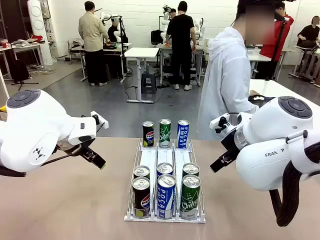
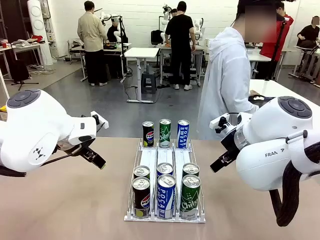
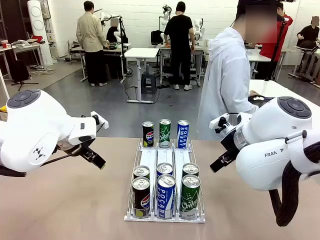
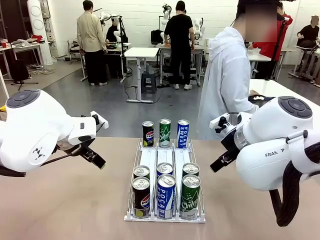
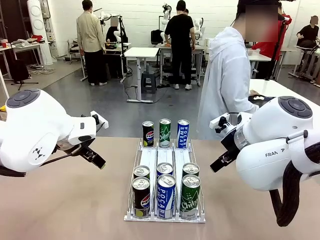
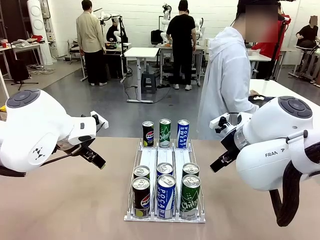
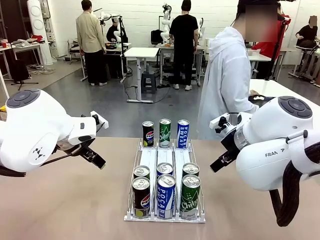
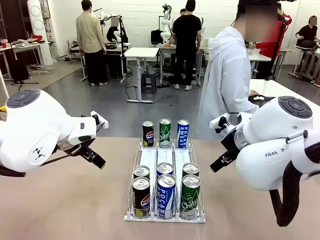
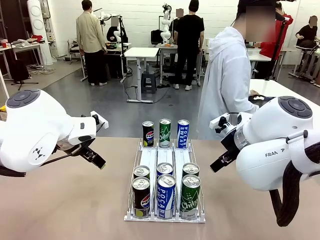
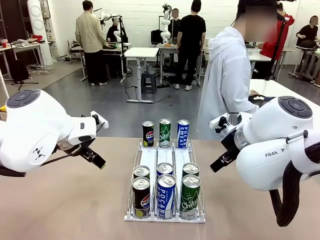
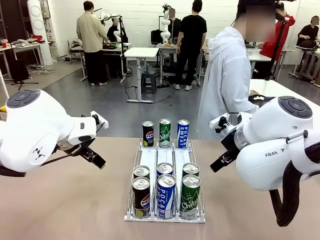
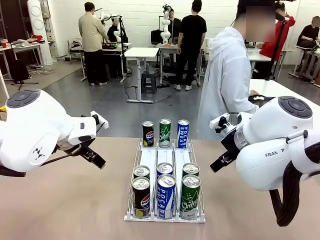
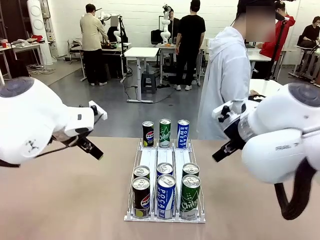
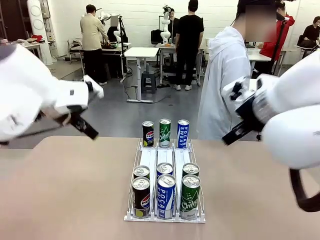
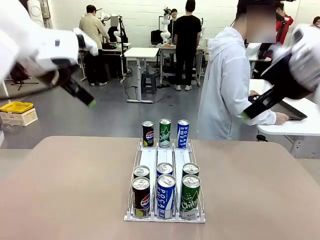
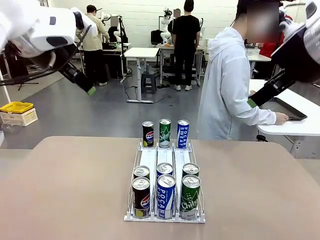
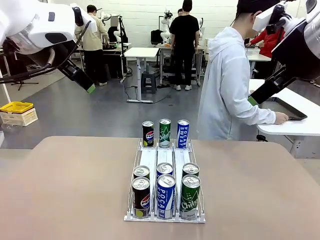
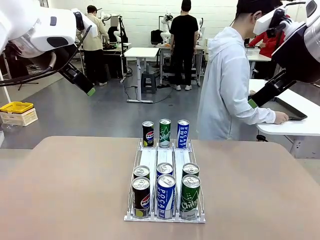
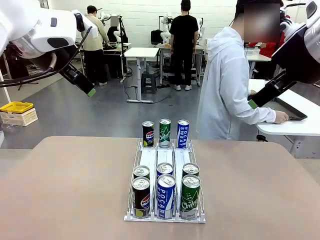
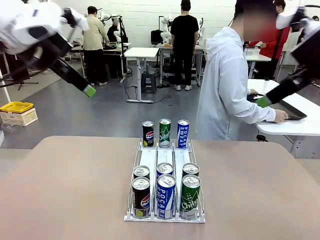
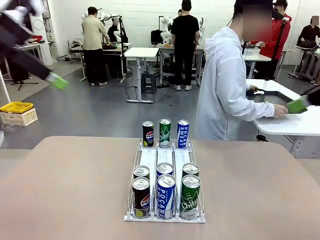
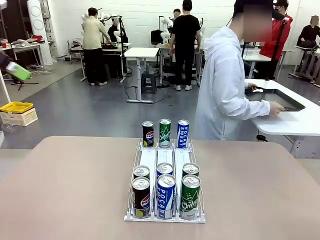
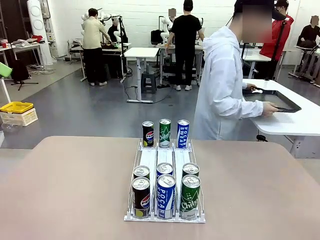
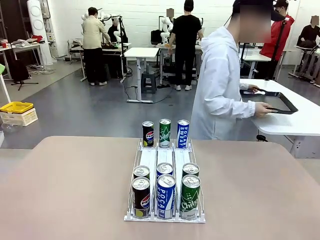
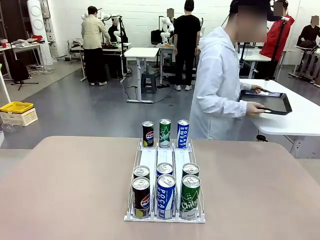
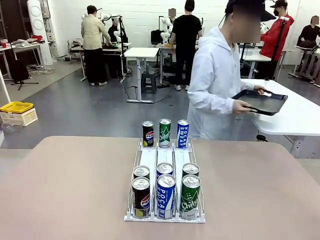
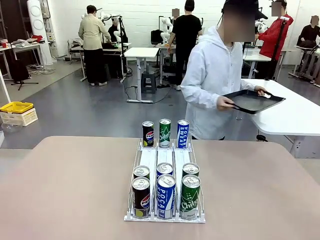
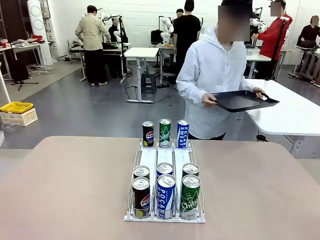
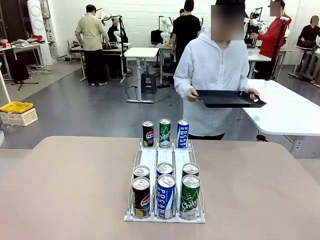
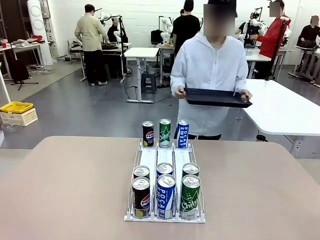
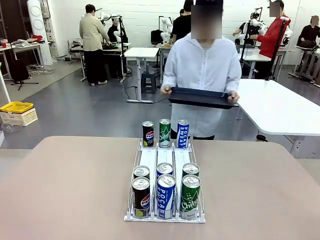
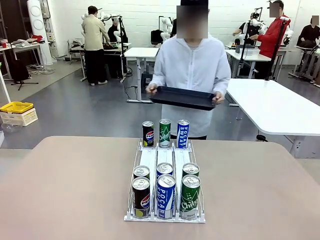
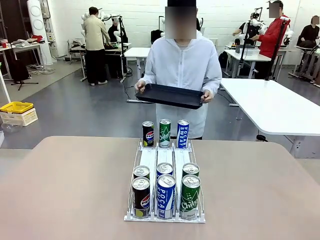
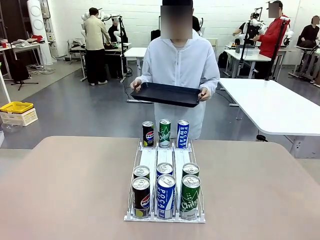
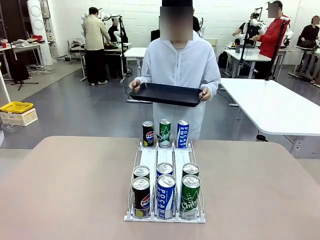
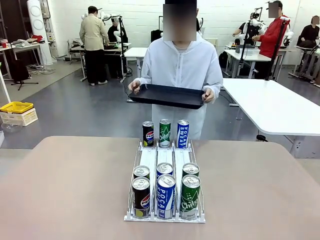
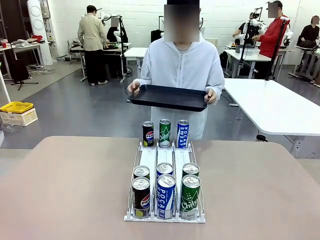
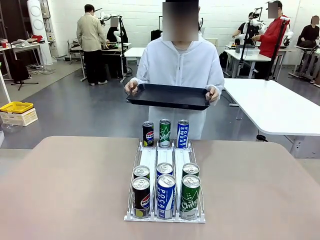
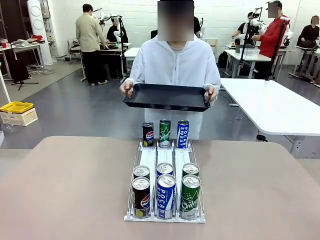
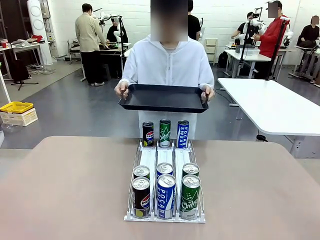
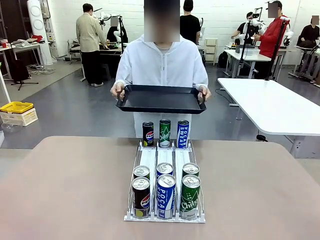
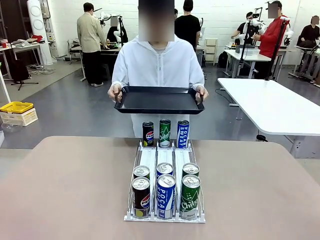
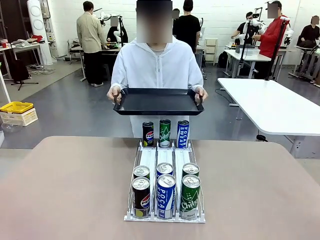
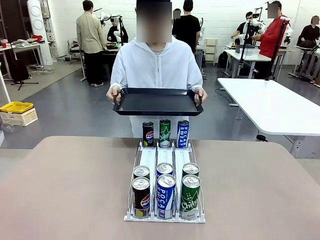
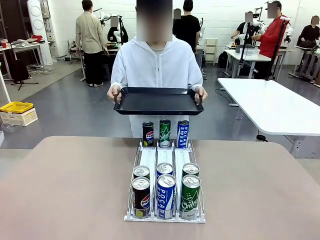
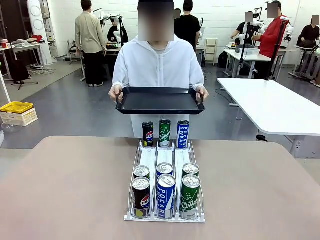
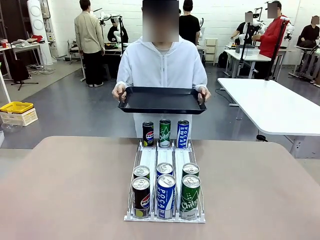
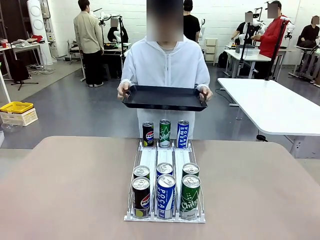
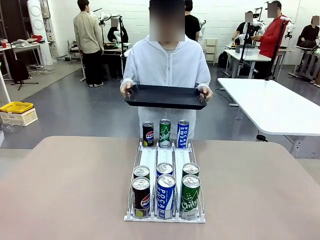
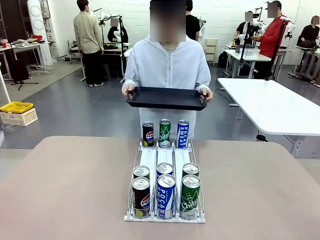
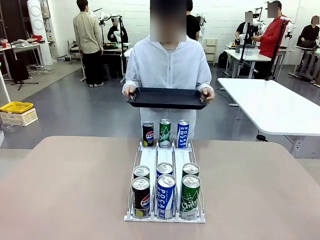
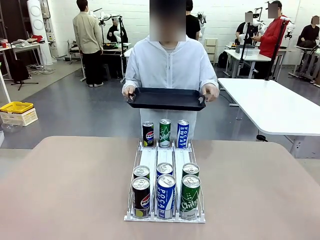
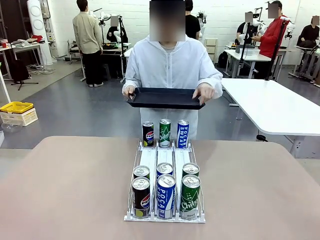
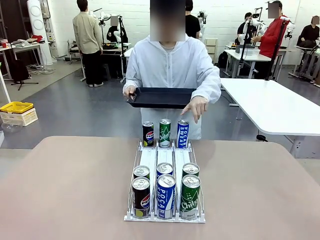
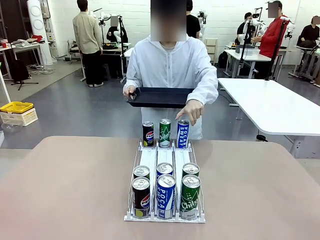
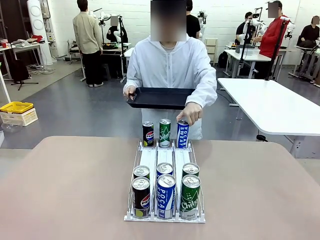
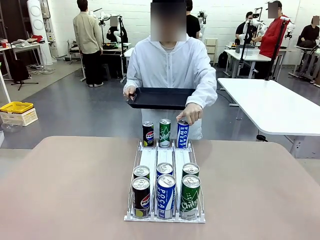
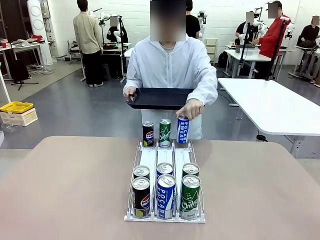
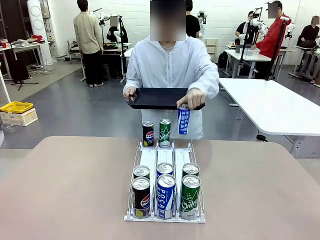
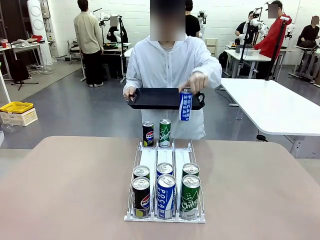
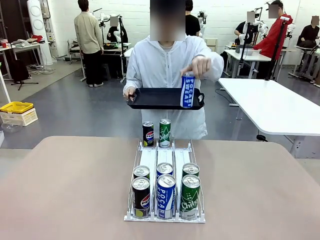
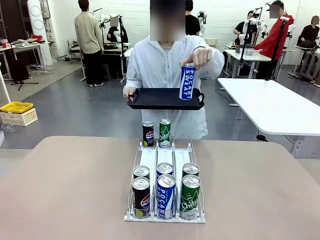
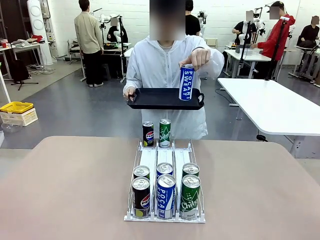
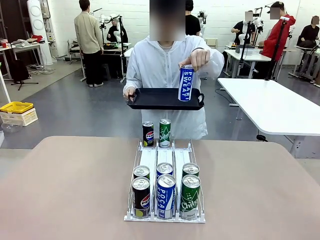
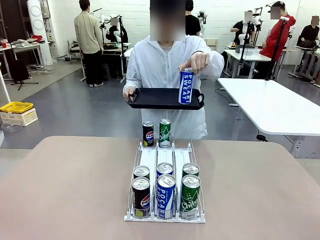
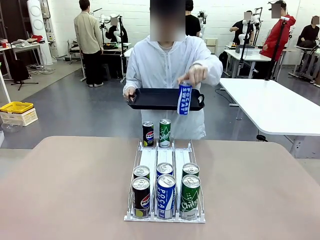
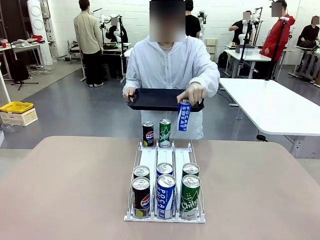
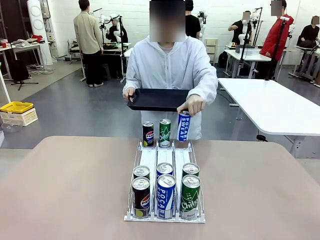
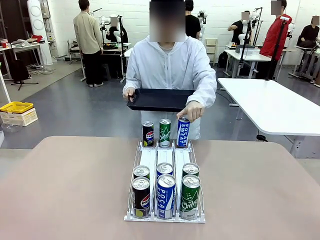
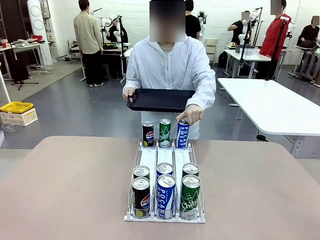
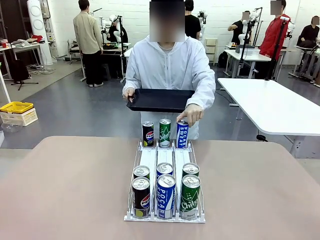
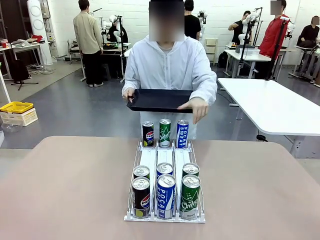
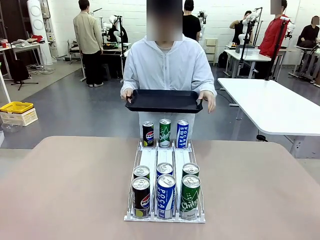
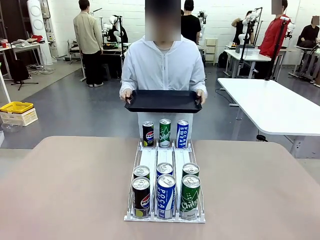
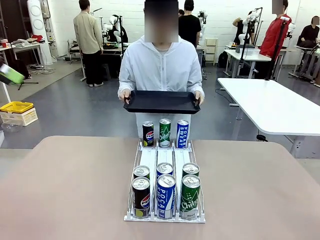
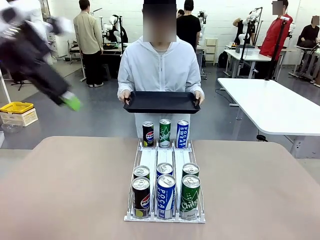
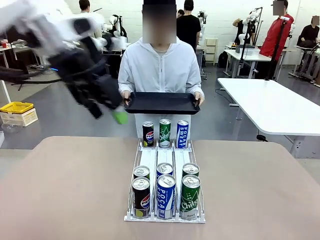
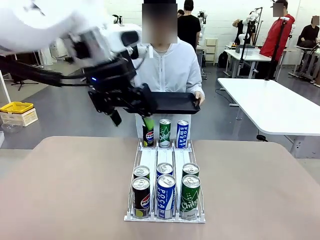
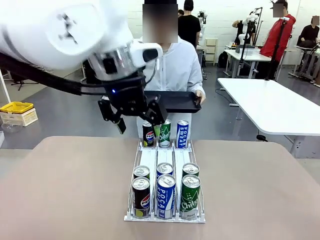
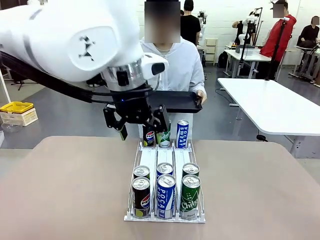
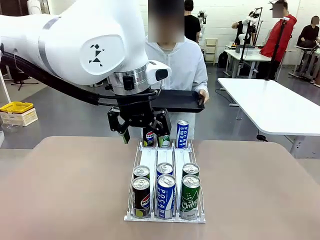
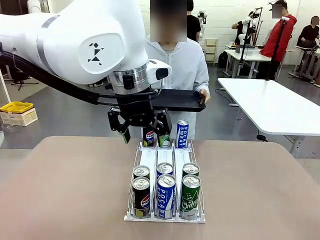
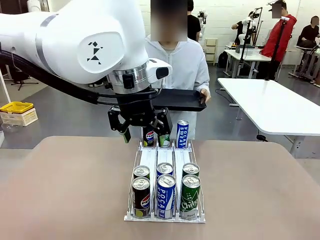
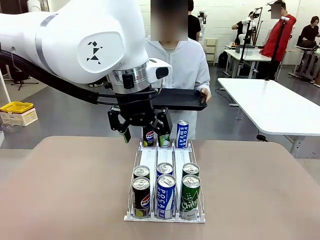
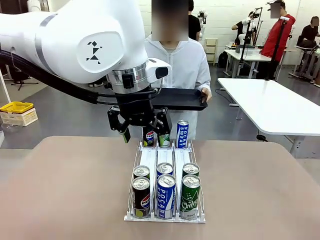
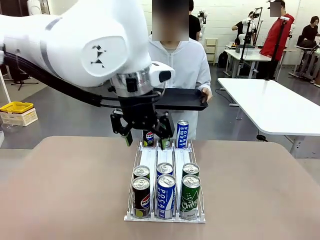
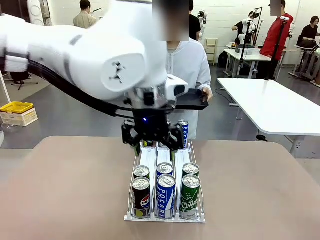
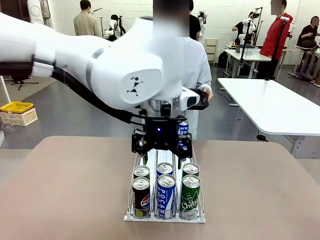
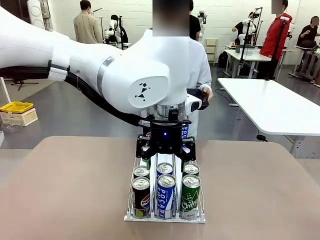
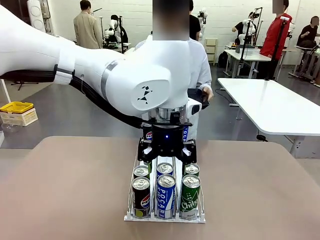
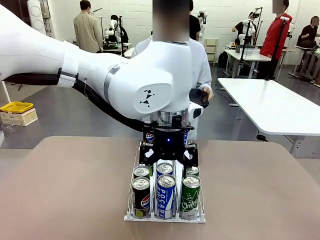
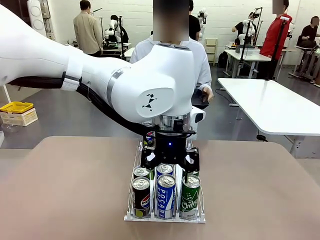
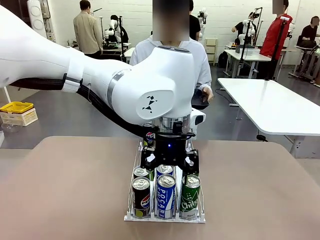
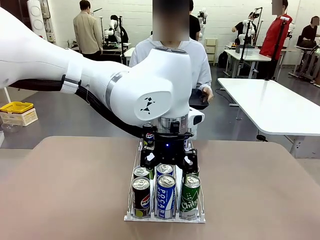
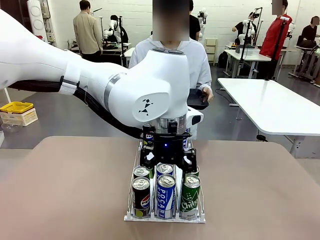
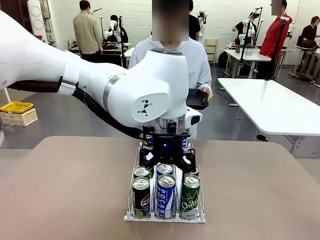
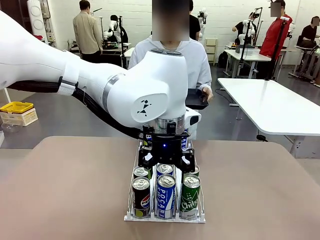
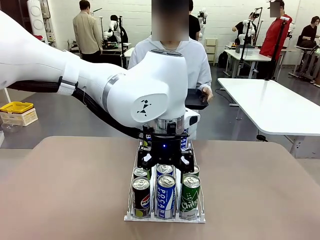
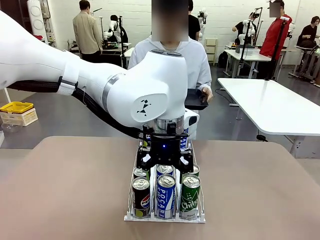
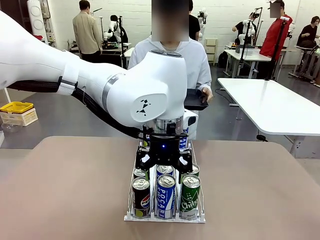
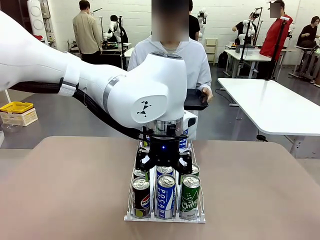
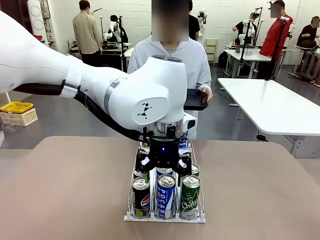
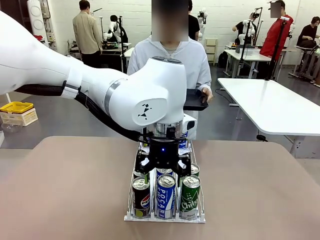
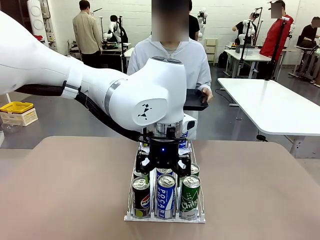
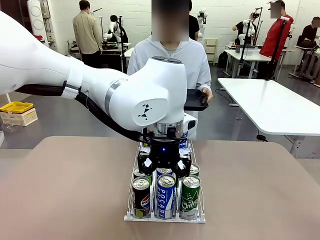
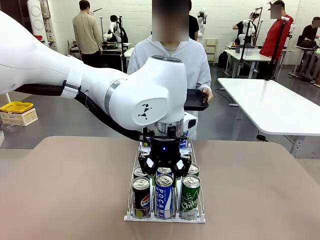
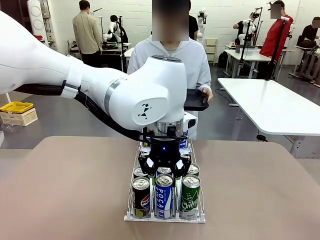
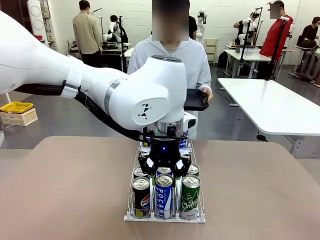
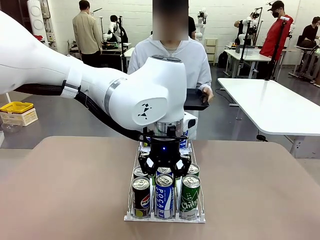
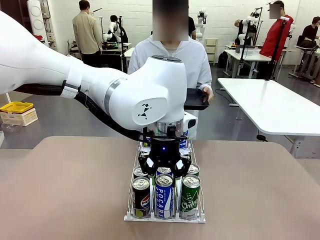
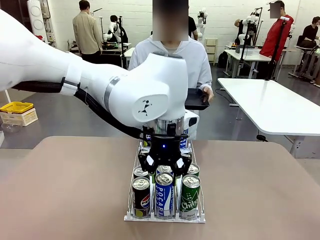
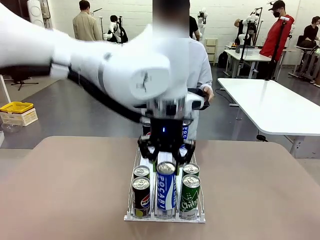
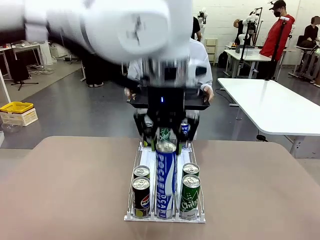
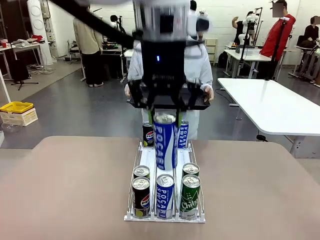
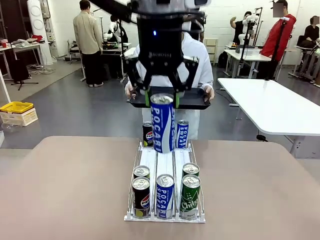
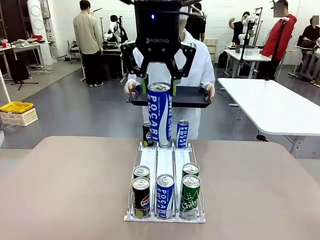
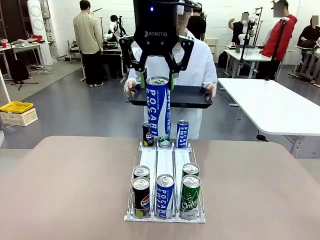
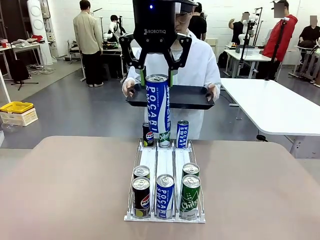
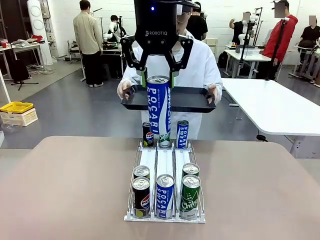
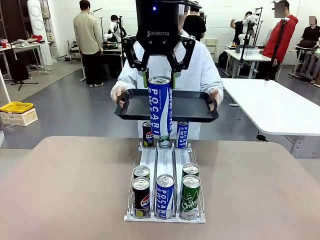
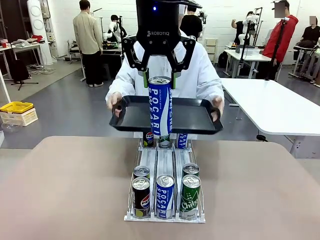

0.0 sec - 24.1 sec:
Task: Retrieve and hand over the desired beverage to the person.
Robot: Pick up a can of the same type that the person held from the Automatic Can Dispenser.
Person: Hold the tray and position yourself in front of the robot table. Pick up one can from the bottom area of the table and puts it back in its original place. Push the tray toward the robot.
